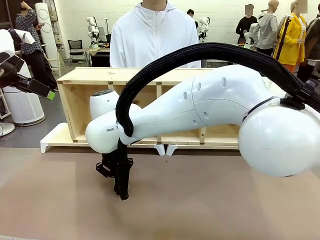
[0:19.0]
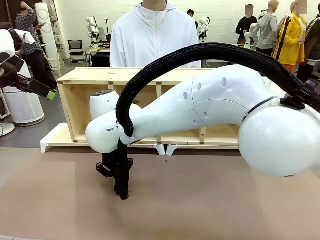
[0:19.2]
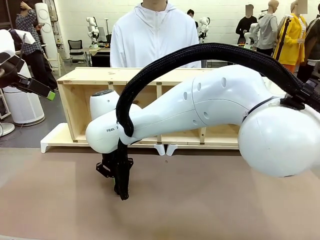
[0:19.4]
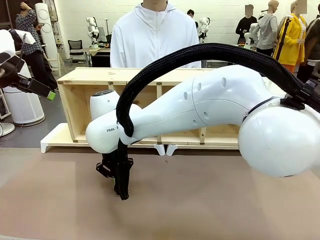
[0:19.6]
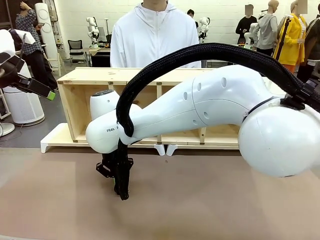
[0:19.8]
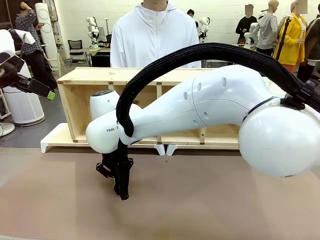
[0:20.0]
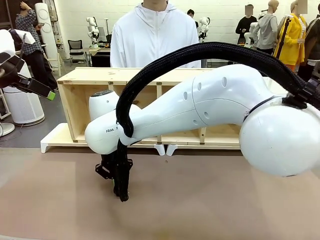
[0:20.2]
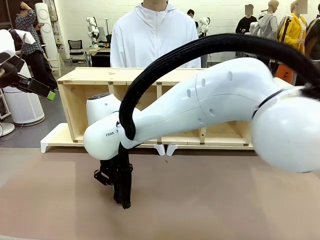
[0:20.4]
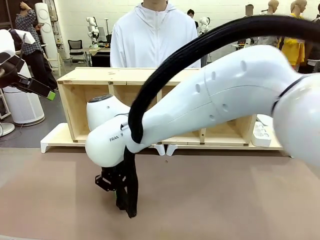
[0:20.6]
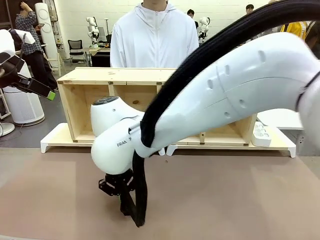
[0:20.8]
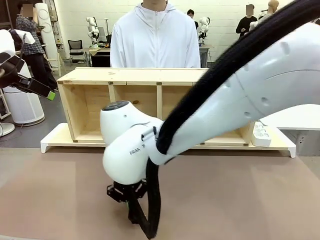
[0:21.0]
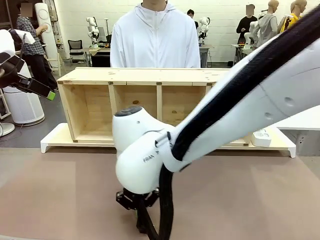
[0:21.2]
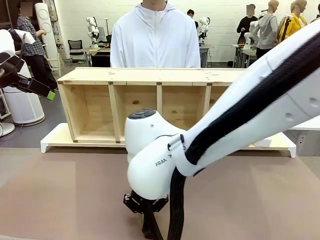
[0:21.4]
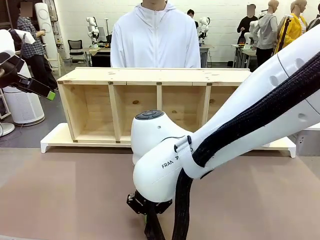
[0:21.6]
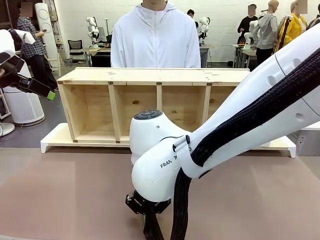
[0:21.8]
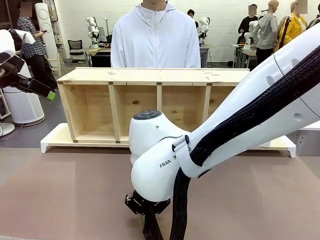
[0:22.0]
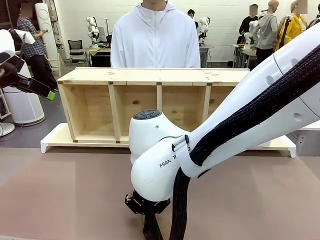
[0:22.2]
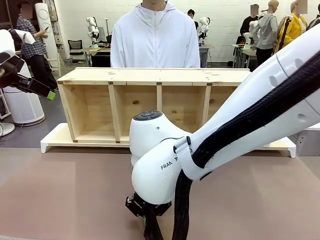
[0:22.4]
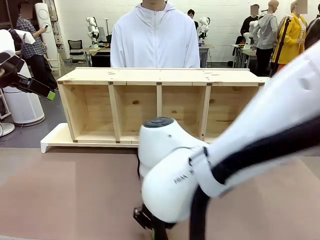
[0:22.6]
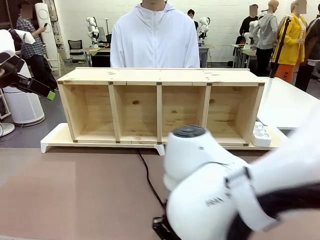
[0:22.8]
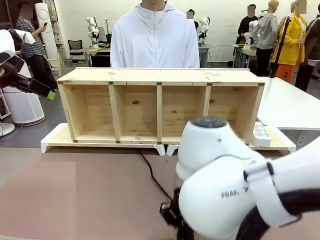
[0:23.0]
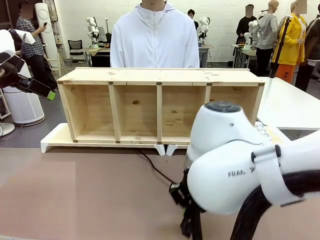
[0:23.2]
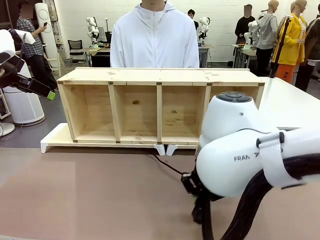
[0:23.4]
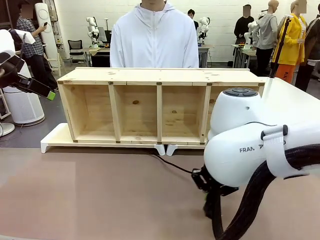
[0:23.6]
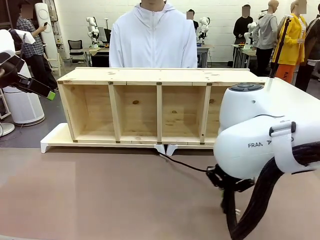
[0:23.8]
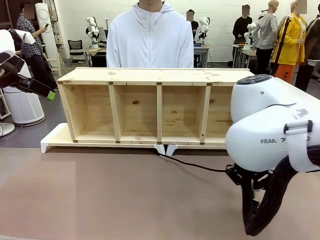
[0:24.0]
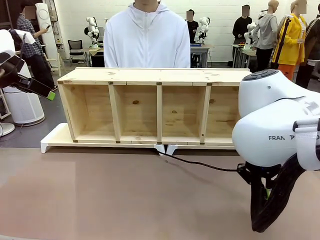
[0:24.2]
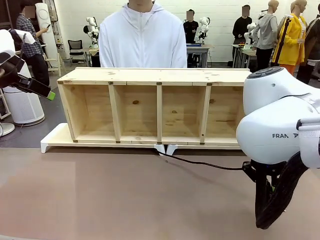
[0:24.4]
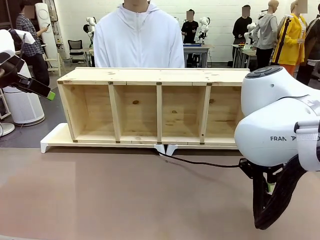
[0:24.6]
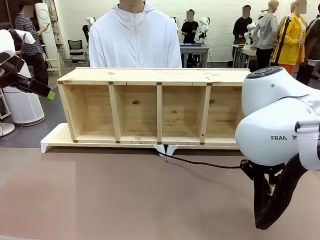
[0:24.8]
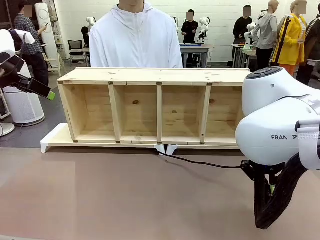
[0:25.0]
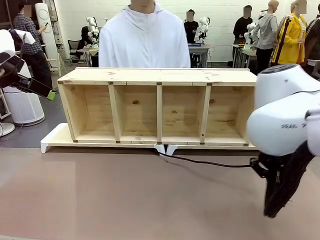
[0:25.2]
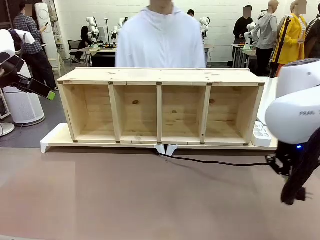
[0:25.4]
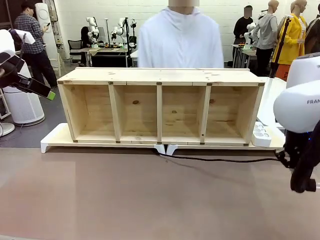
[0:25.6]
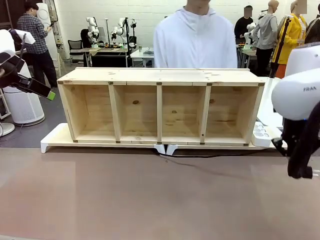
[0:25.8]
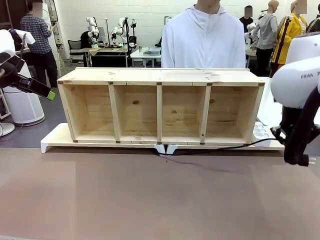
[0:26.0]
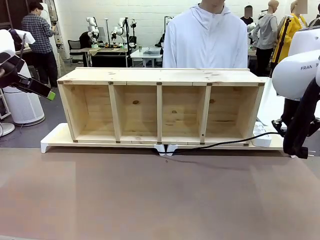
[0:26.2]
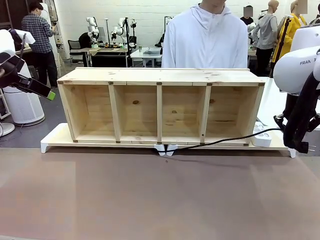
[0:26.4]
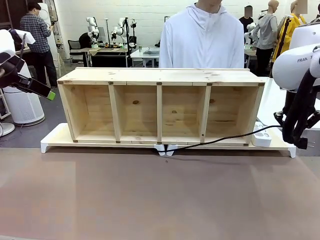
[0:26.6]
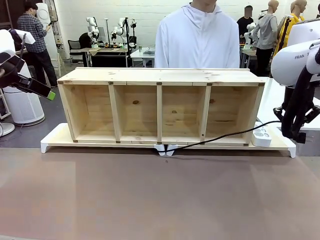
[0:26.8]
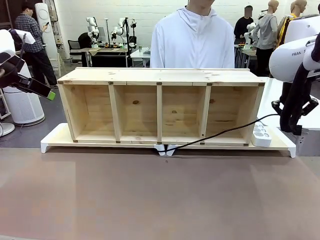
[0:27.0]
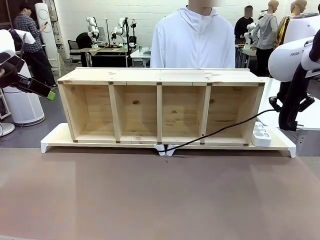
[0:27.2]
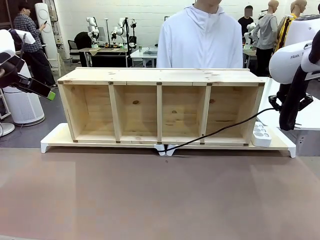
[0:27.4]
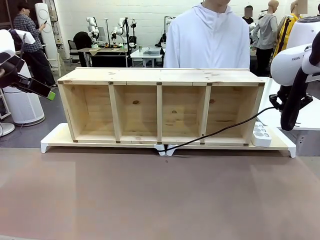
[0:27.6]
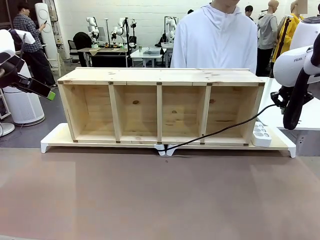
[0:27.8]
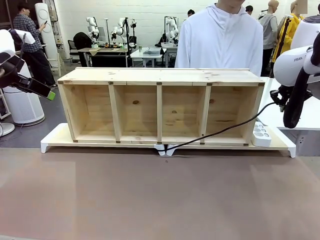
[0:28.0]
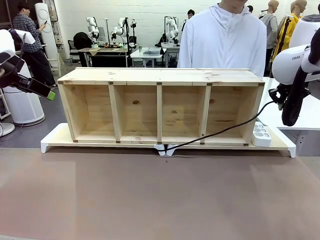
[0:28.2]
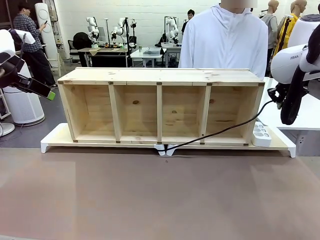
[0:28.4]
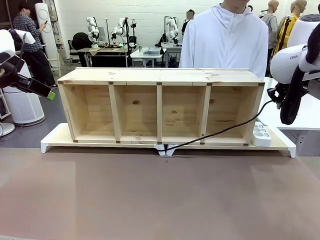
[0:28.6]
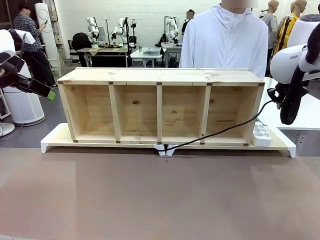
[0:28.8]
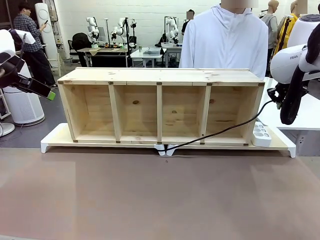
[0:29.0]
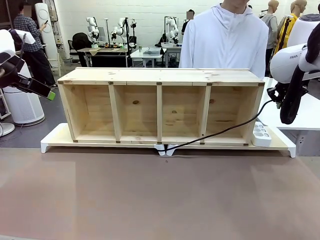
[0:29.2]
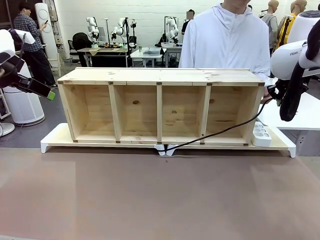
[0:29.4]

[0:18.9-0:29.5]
Task: Perform cable management.
Robot: Pull the grasped Power Cable to the location of the Power Strip.

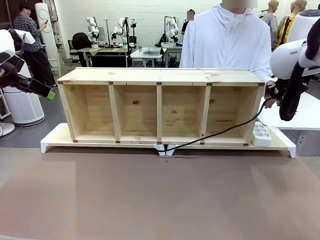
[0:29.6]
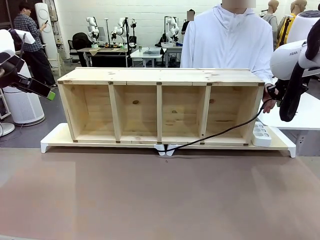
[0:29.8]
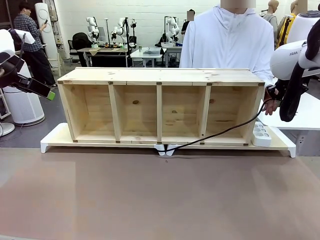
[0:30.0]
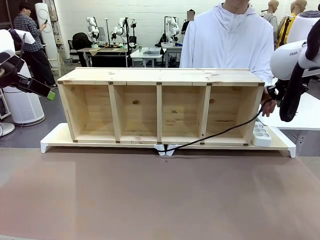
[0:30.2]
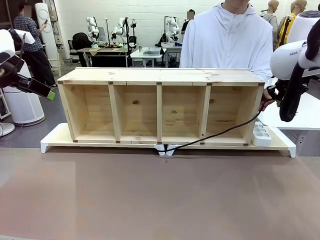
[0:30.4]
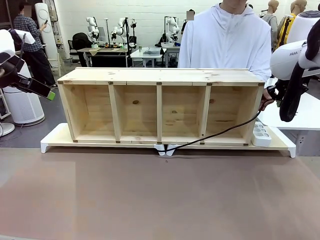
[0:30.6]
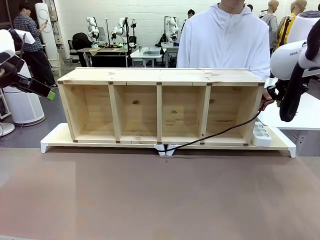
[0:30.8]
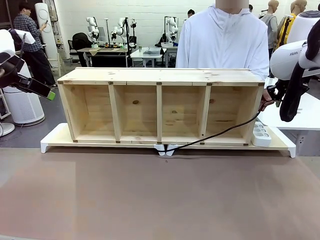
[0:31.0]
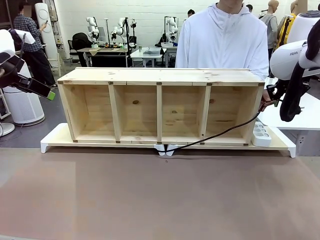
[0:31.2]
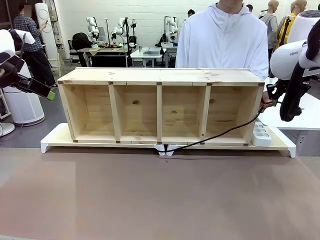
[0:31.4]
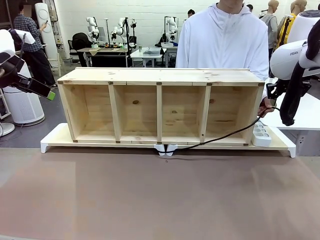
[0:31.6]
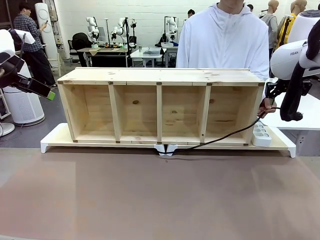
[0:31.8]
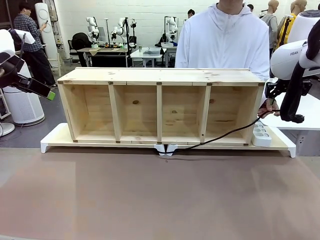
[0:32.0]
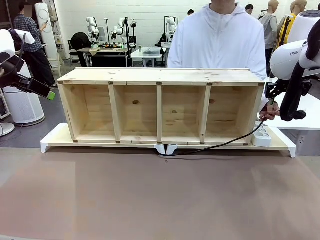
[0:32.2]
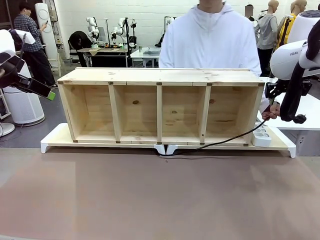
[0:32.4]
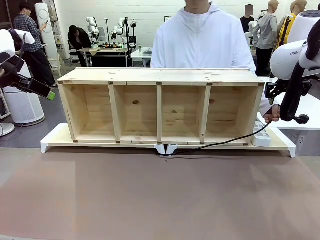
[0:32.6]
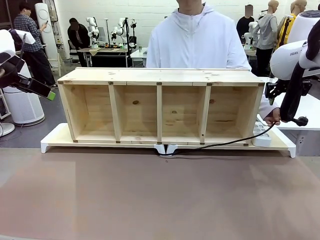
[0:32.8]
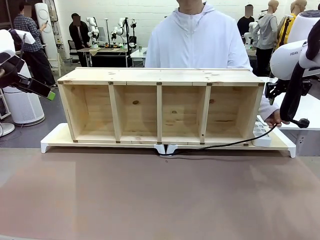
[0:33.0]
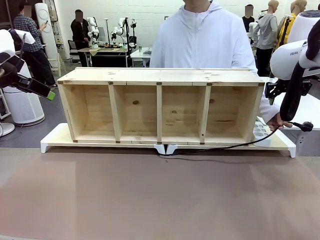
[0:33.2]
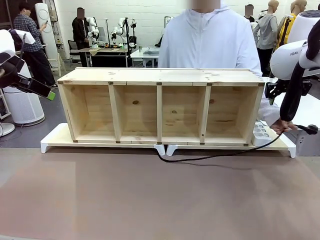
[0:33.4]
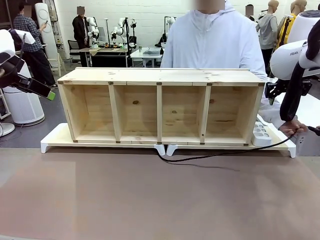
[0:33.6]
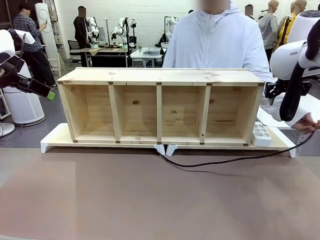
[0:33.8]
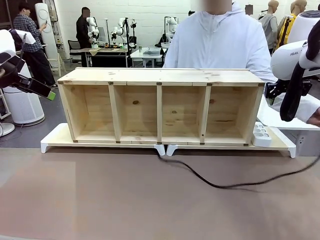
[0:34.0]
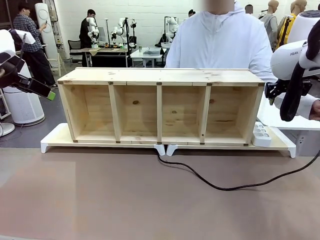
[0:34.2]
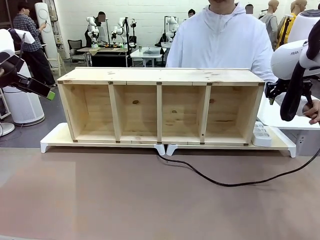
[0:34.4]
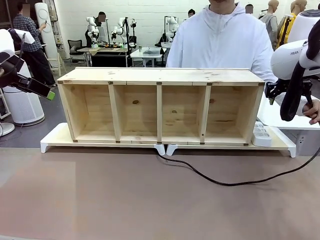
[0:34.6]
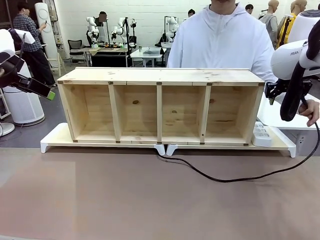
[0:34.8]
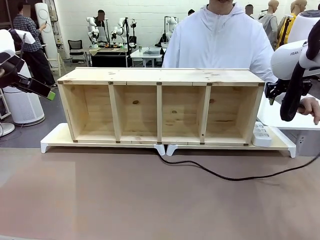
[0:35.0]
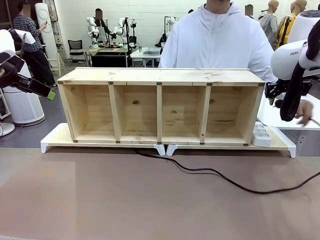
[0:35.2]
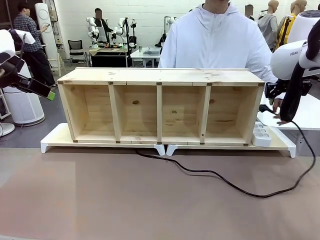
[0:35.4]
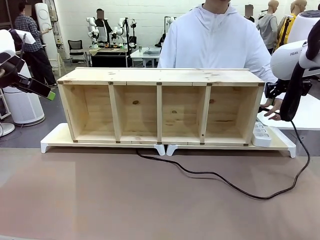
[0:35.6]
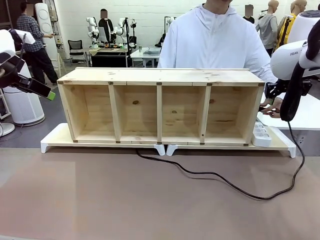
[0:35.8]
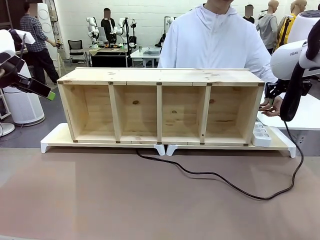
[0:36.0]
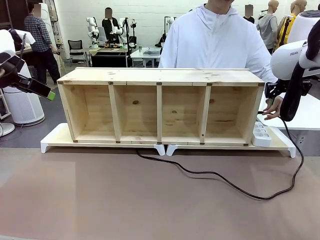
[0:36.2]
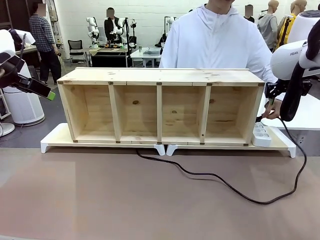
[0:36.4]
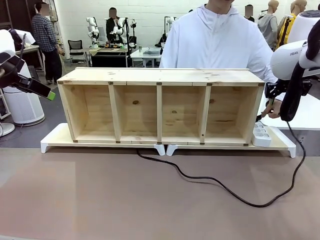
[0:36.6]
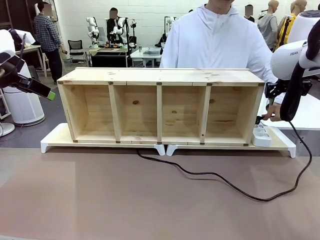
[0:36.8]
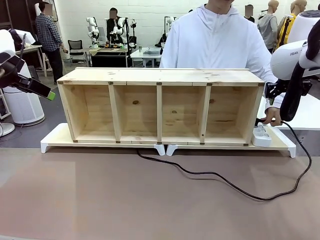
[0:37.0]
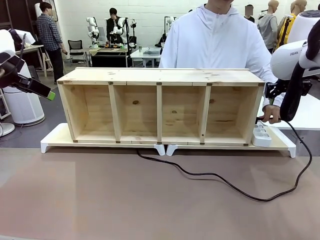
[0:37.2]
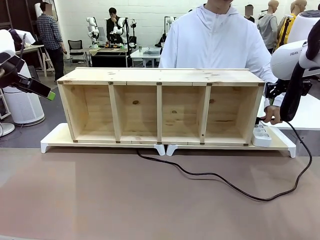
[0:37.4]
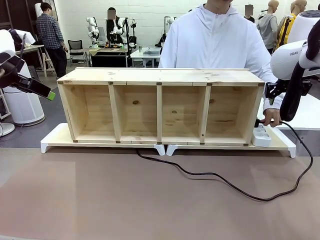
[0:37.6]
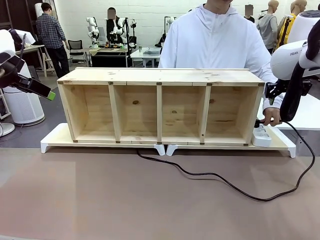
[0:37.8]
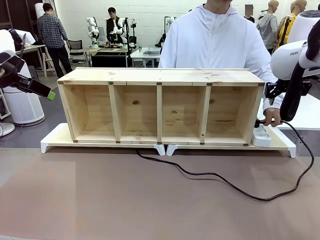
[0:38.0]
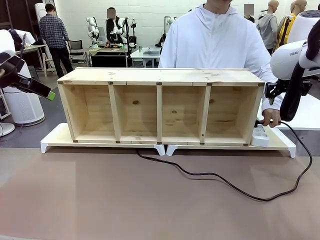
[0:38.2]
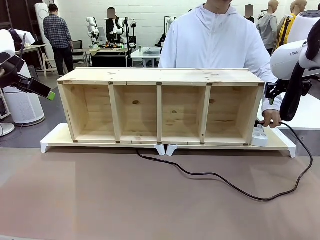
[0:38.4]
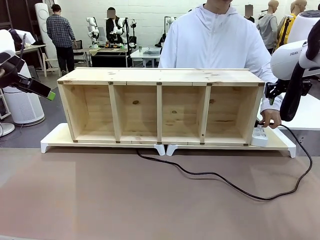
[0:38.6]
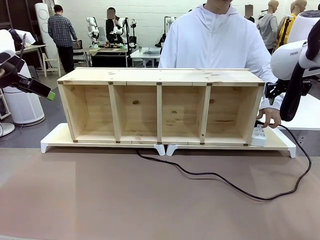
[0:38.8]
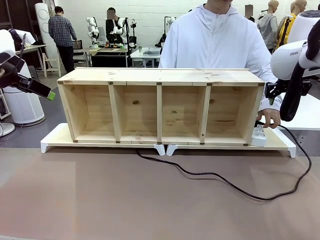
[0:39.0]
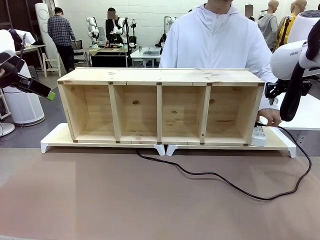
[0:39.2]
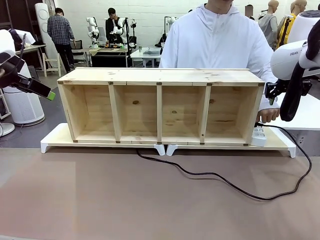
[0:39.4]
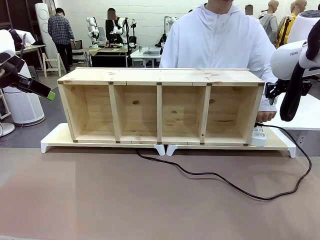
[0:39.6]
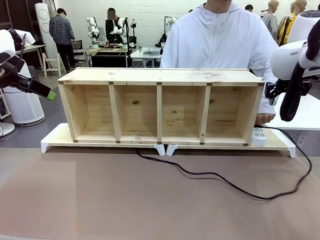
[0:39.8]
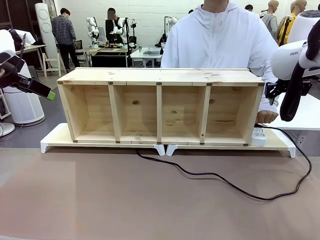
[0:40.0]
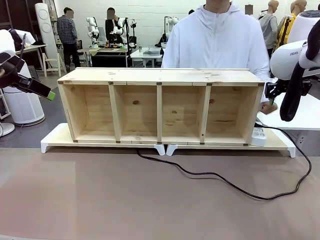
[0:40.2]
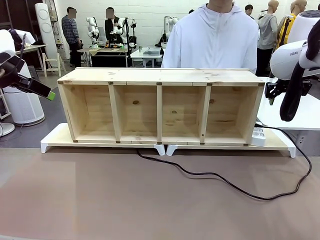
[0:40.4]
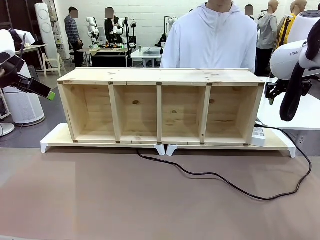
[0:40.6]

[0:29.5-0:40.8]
Robot: Release the Power Cable when the human grasps it.
Person: Plug the Power Cable into the Power Strip.
